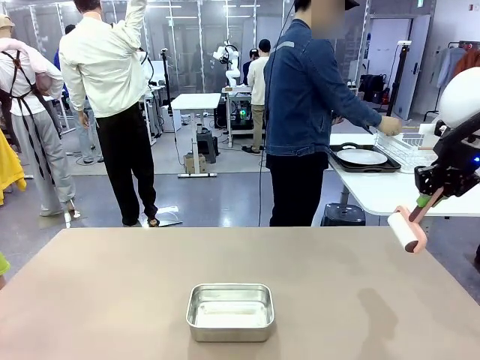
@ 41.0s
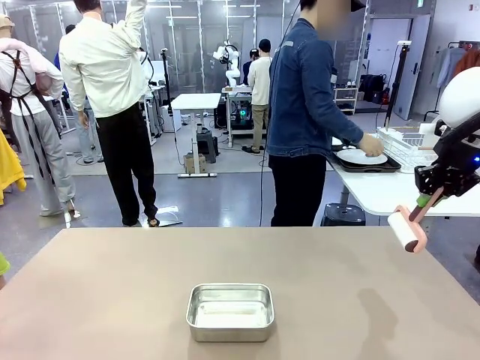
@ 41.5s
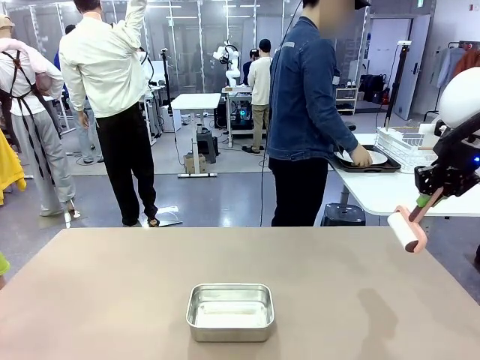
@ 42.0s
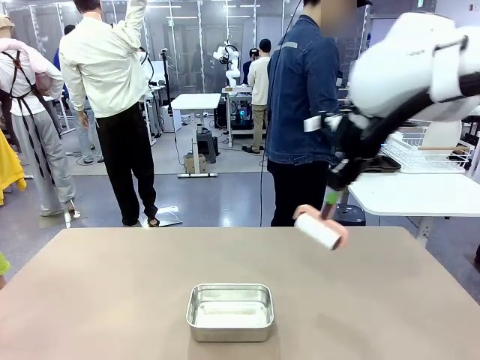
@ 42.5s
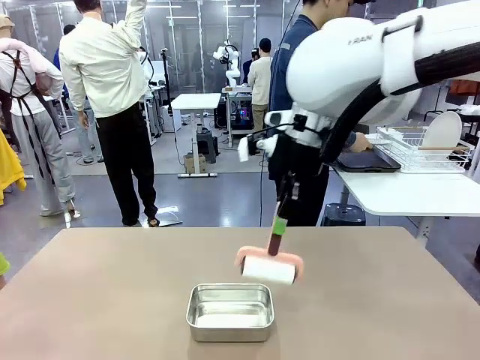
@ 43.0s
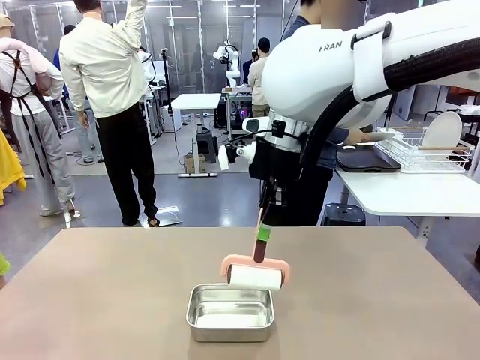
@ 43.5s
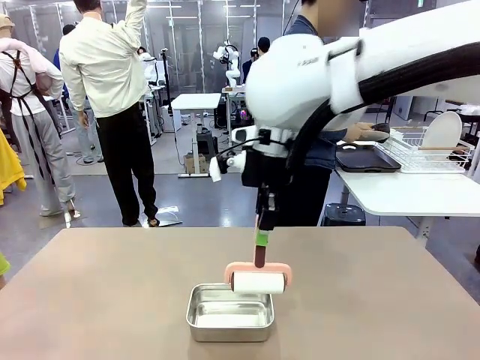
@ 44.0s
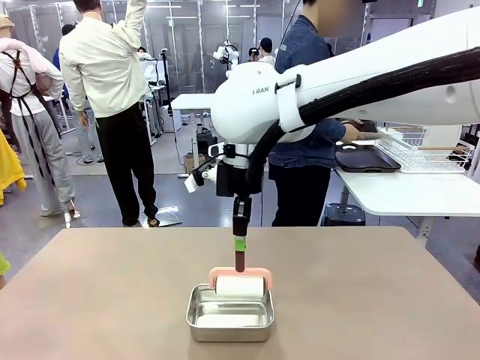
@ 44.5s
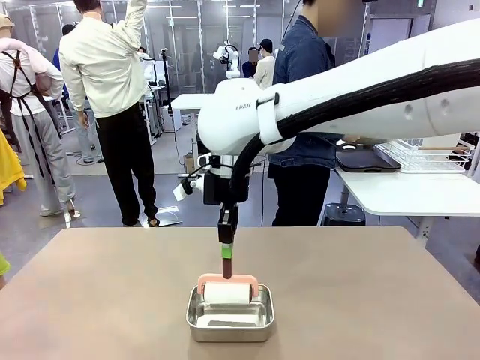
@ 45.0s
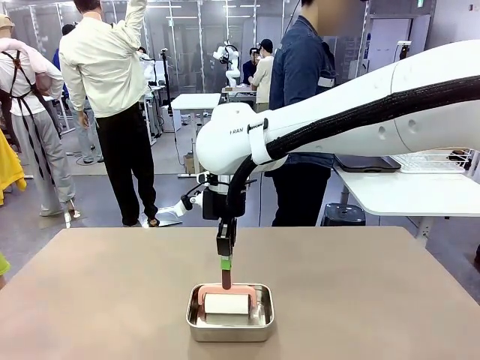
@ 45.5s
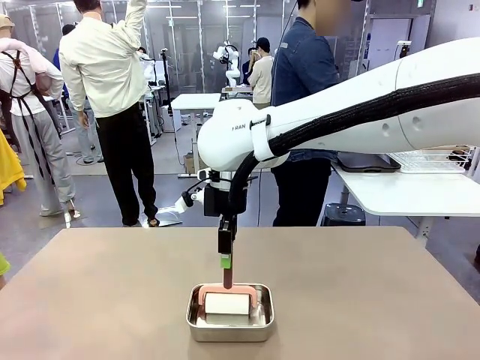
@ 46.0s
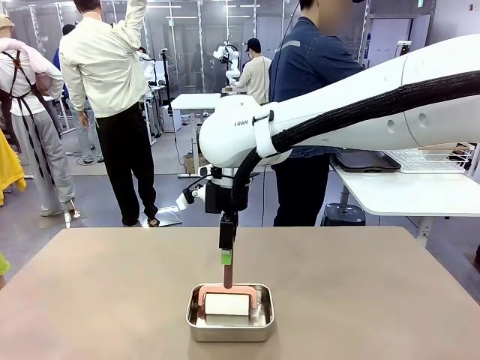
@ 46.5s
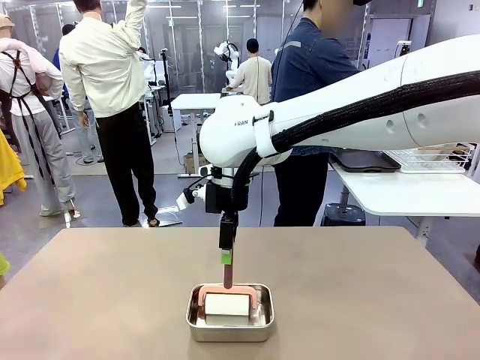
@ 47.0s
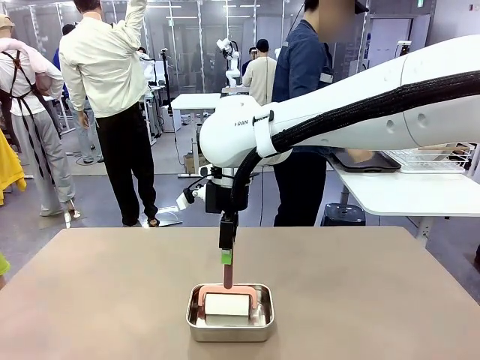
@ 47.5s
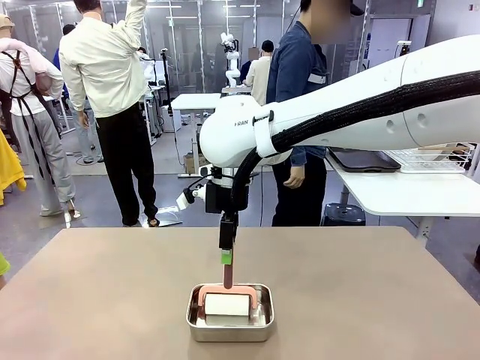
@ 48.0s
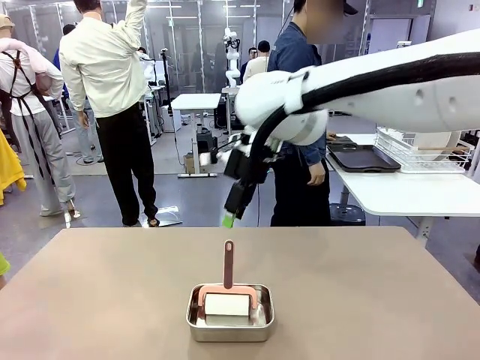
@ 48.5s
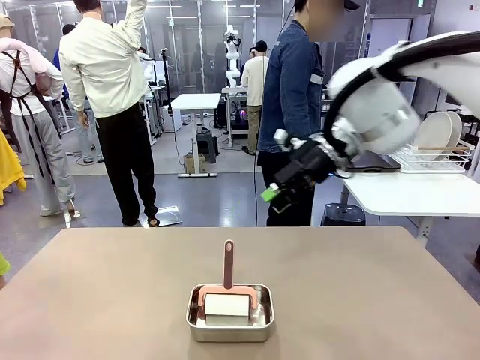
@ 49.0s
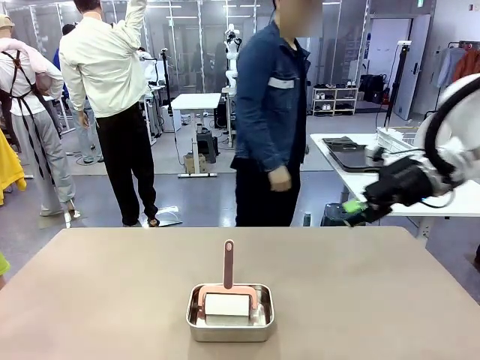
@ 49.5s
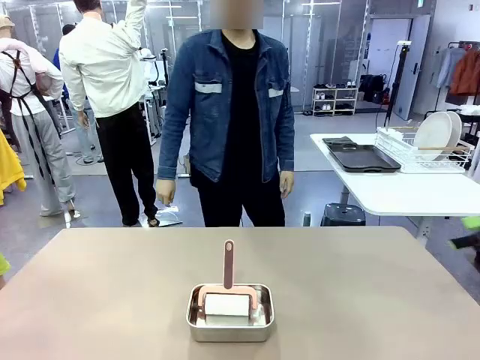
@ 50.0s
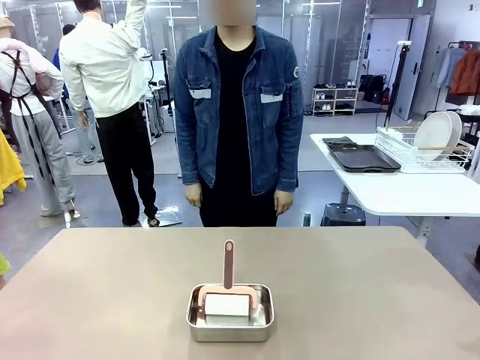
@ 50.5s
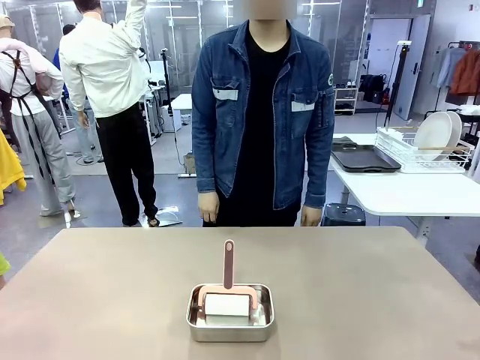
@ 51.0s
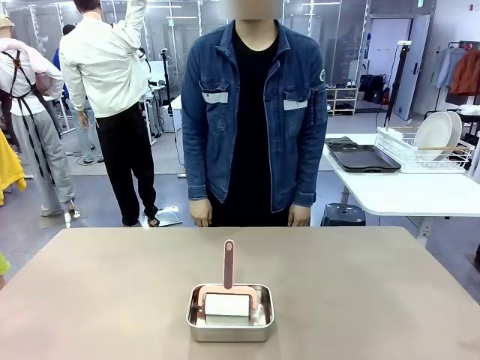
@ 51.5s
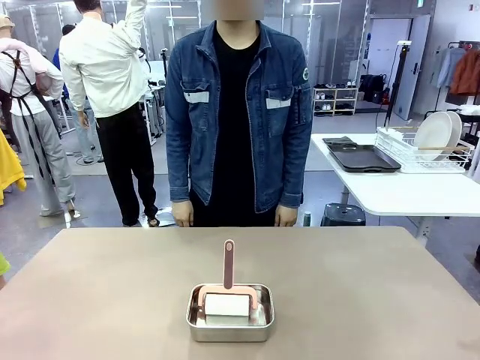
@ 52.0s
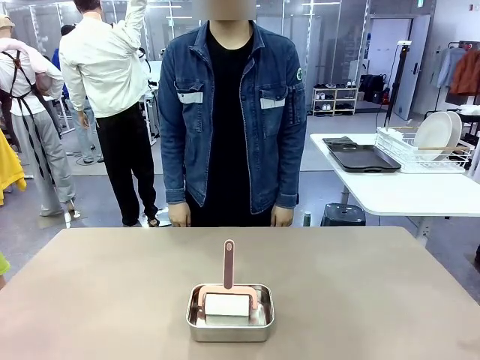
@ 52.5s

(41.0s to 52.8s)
Robot: Place the Lint Roller back on top of the Airtight Container.
Person: Use the Towel with hook to wipe the Plastic Matte Plate , Fork , and Knife and place into the Dish drying rack.

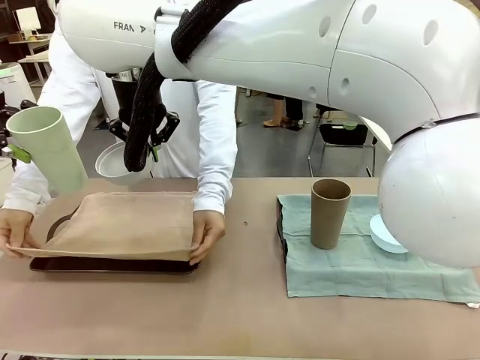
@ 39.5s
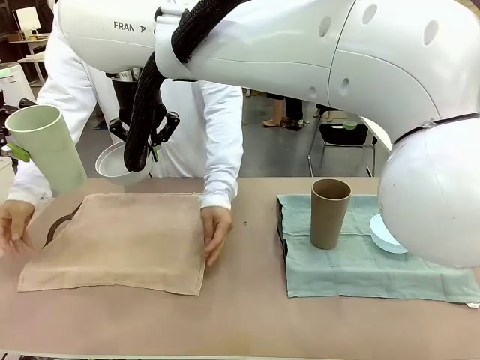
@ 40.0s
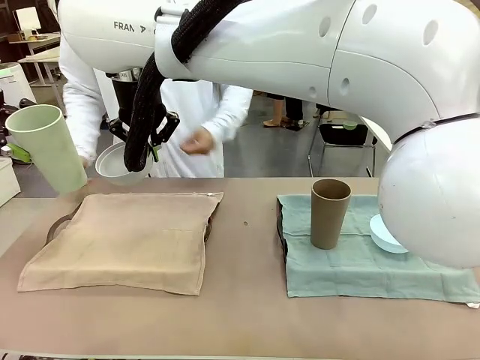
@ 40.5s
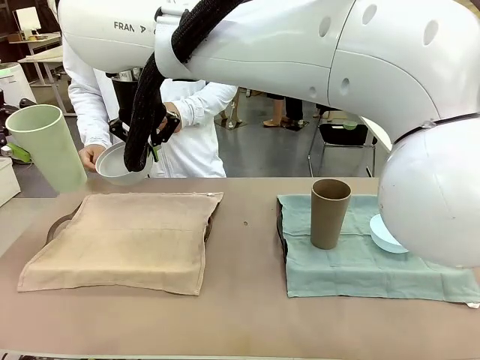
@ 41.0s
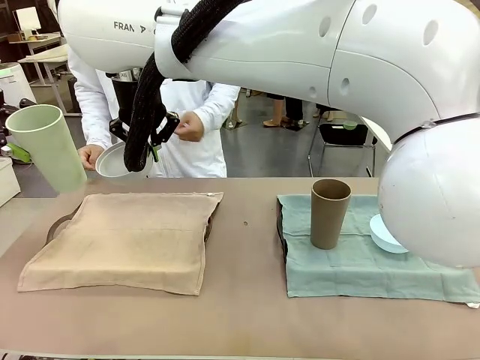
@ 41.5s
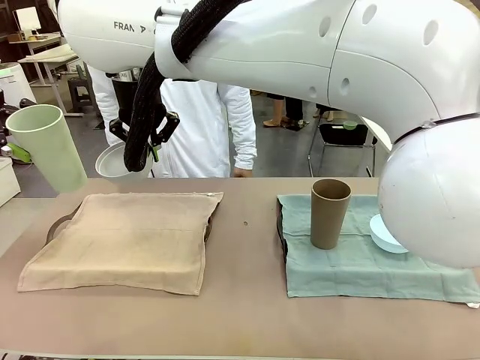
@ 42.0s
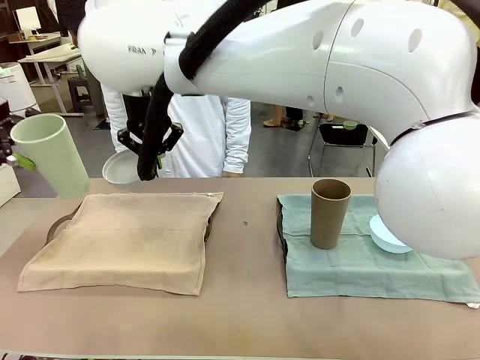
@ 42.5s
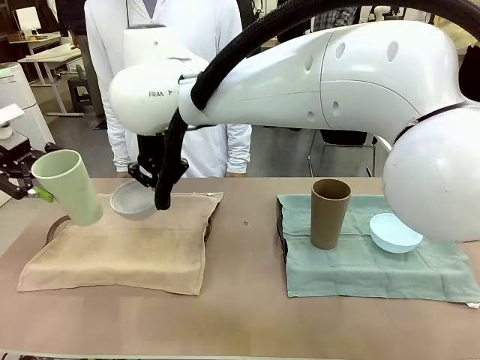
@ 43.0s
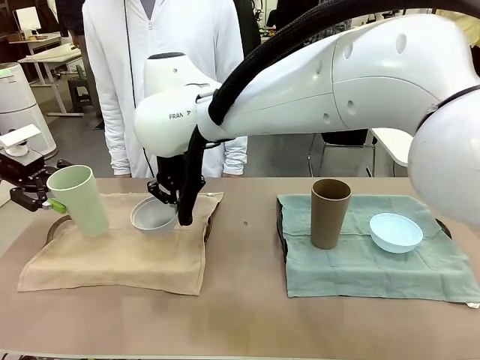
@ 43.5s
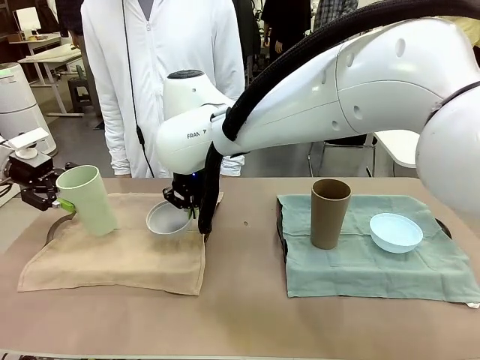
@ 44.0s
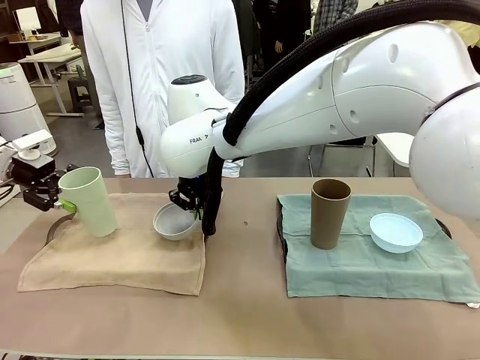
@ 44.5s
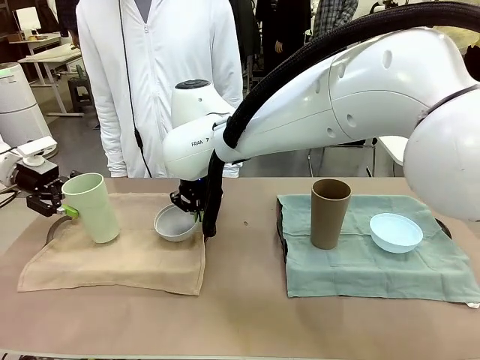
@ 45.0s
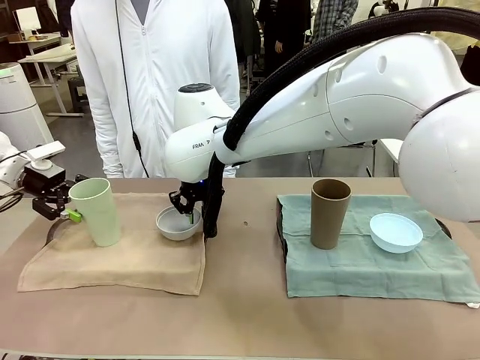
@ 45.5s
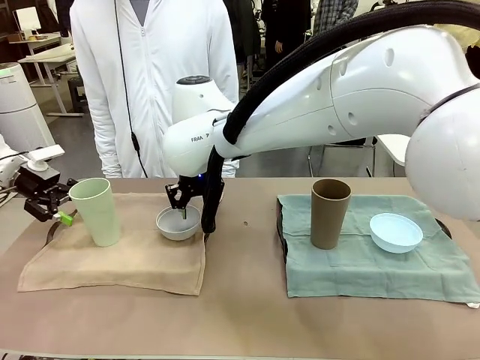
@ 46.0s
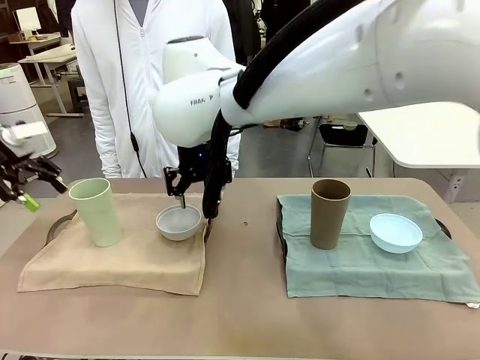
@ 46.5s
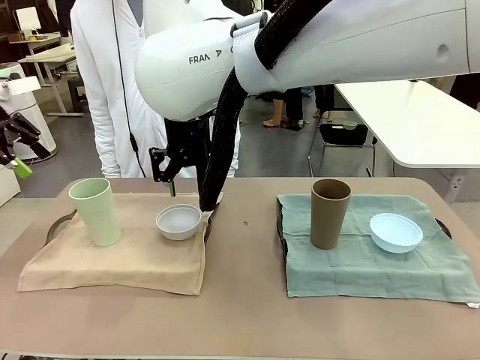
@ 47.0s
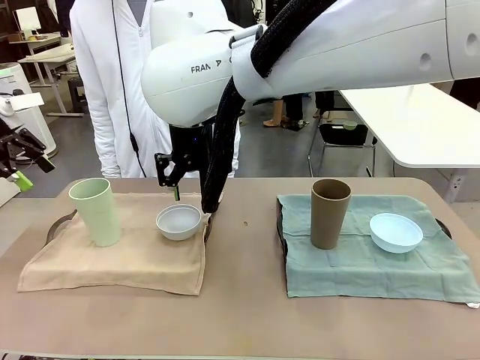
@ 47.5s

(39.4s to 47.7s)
Robot: Place the Picnic Bowl and Reusable plastic cup back onto the Handle tray in front of the human's position.
